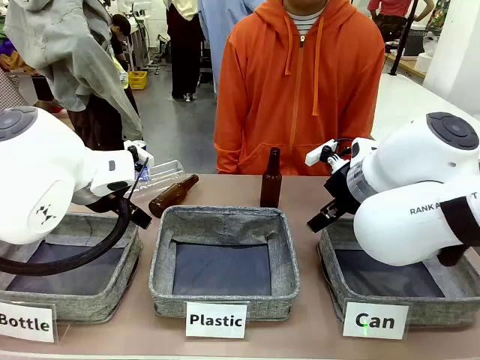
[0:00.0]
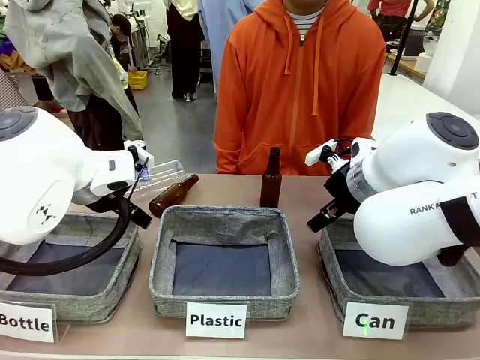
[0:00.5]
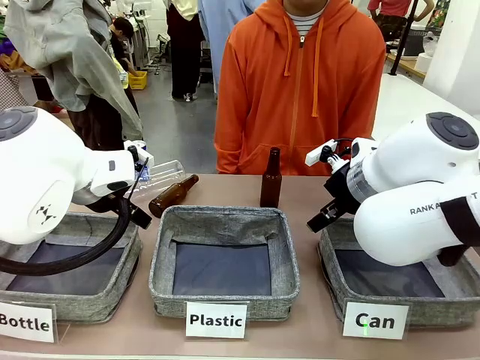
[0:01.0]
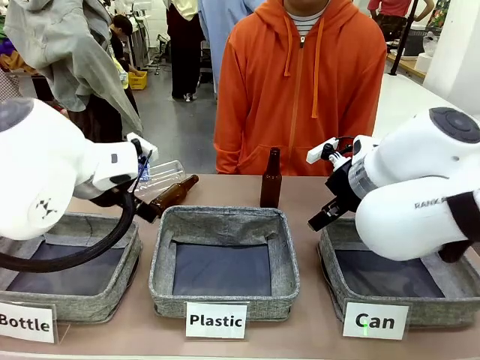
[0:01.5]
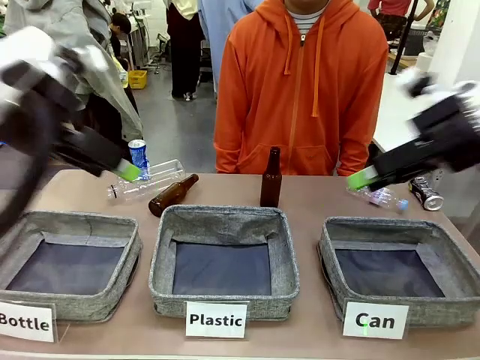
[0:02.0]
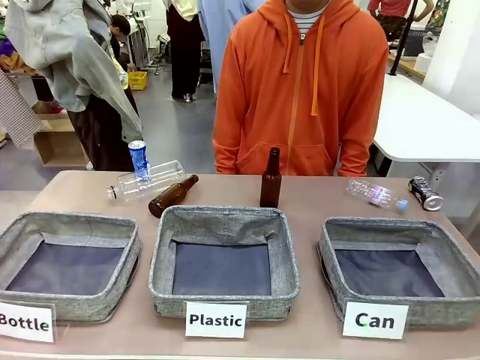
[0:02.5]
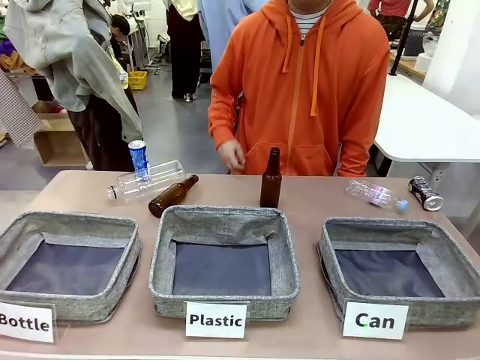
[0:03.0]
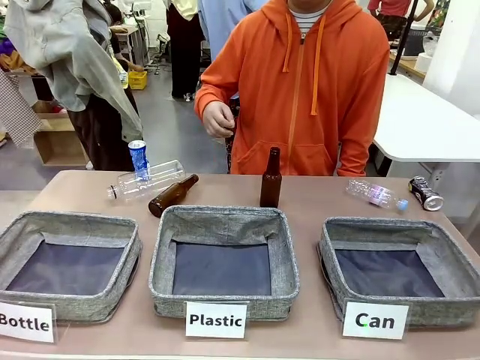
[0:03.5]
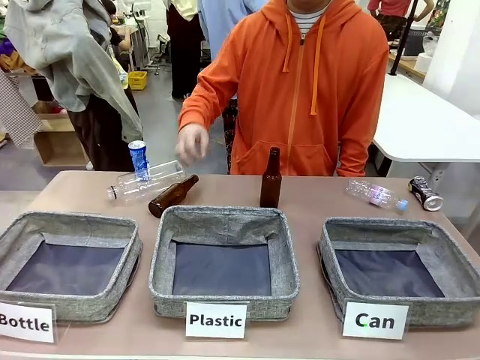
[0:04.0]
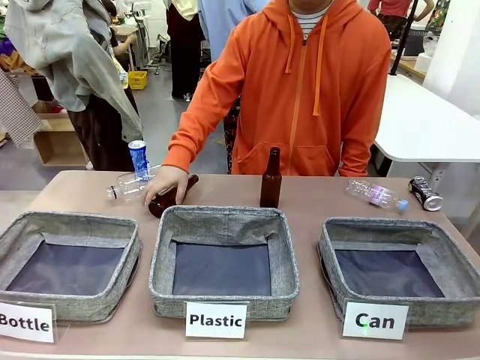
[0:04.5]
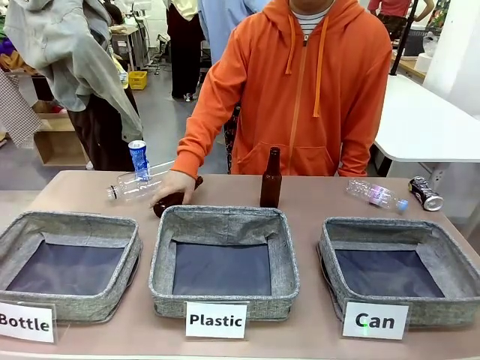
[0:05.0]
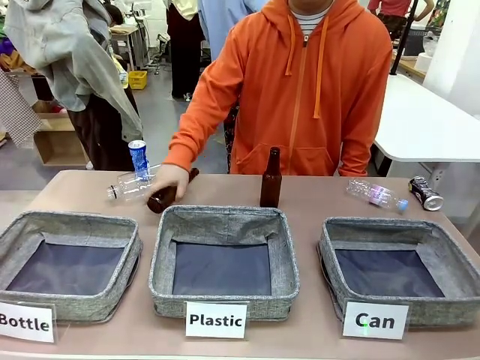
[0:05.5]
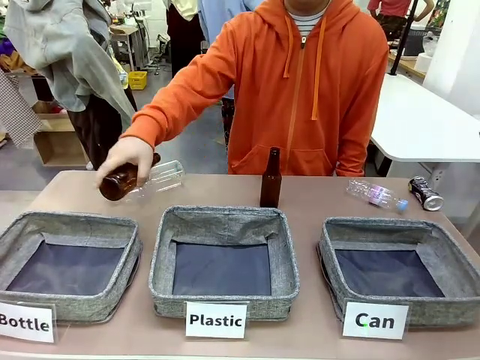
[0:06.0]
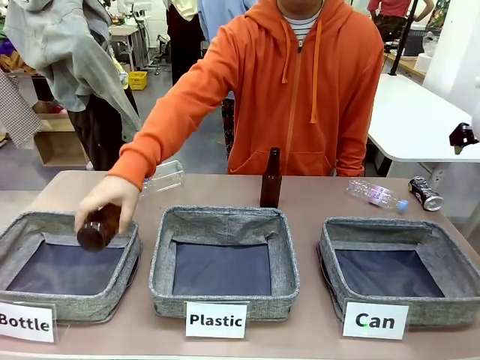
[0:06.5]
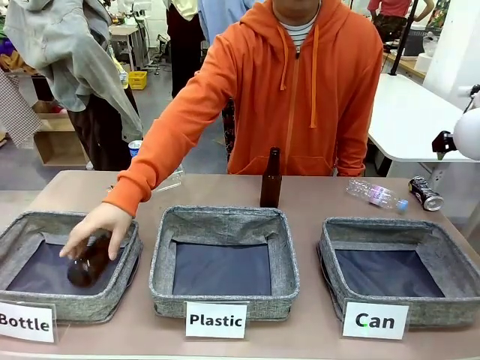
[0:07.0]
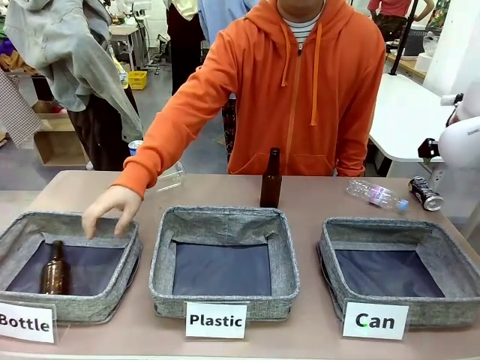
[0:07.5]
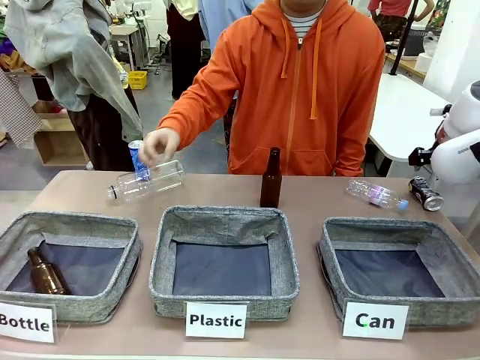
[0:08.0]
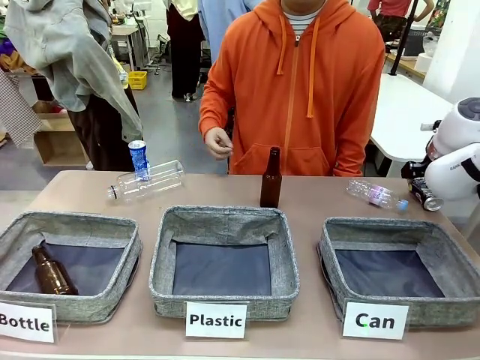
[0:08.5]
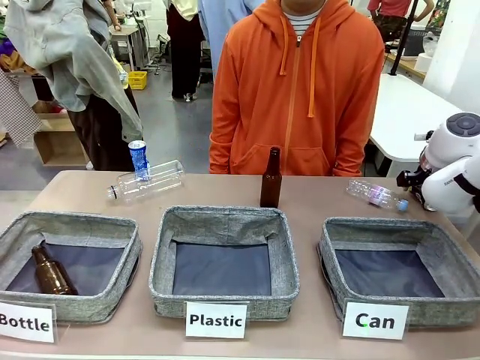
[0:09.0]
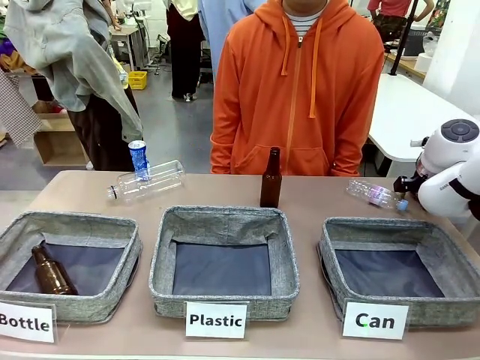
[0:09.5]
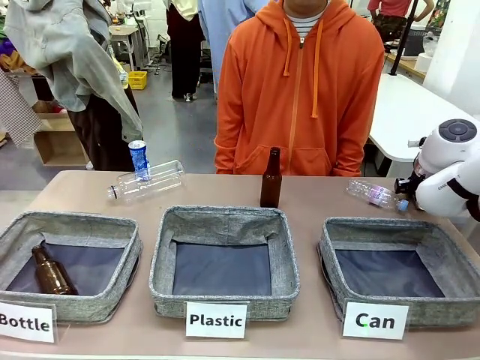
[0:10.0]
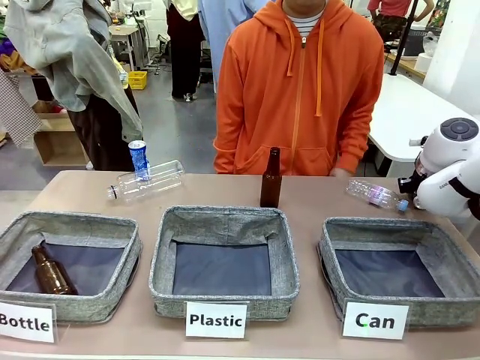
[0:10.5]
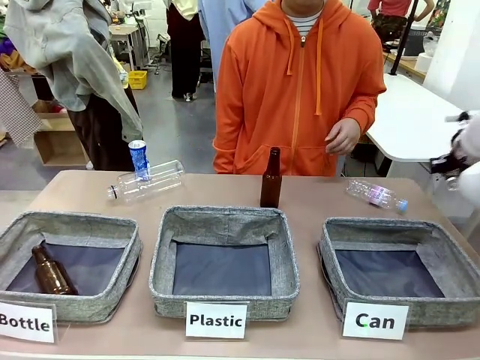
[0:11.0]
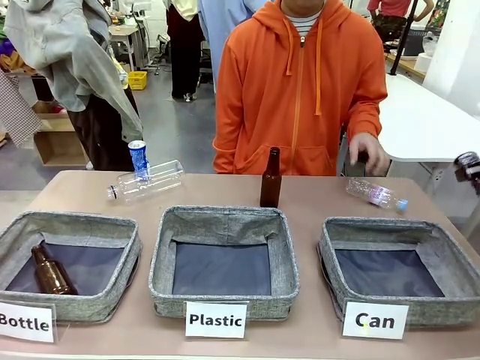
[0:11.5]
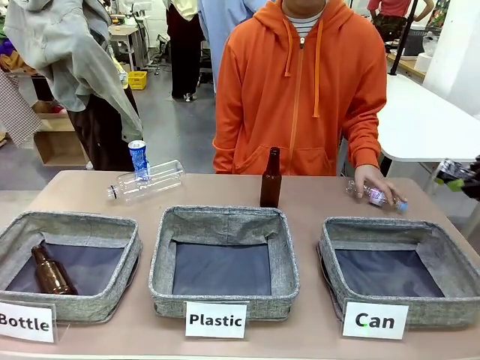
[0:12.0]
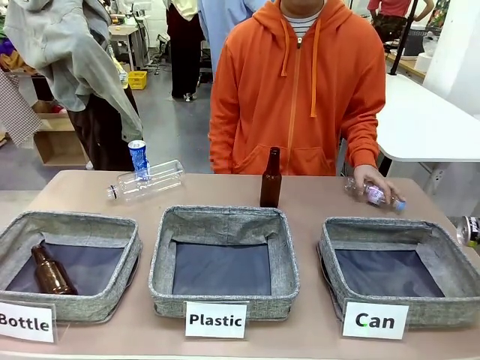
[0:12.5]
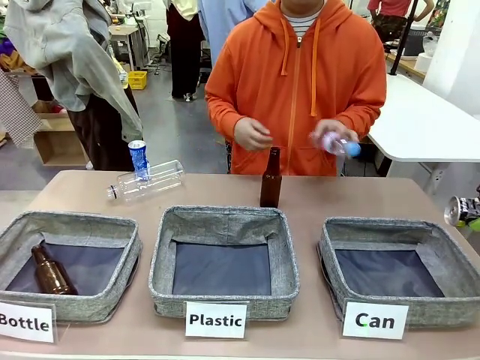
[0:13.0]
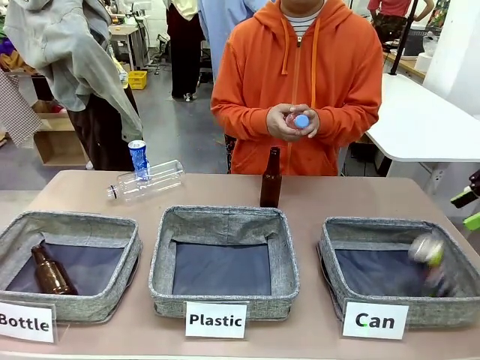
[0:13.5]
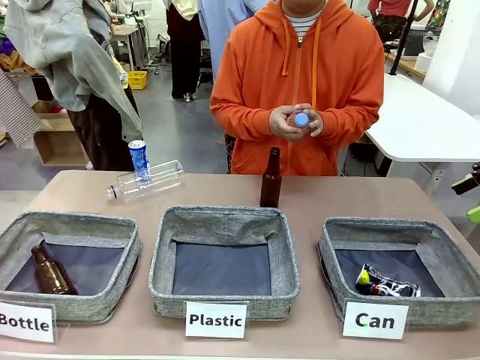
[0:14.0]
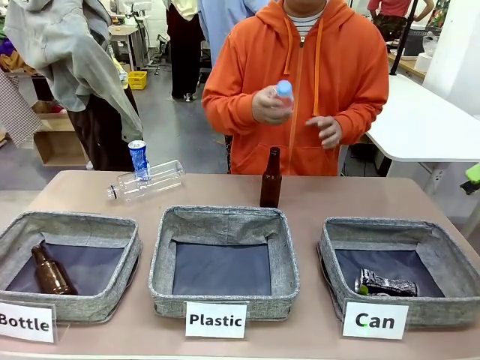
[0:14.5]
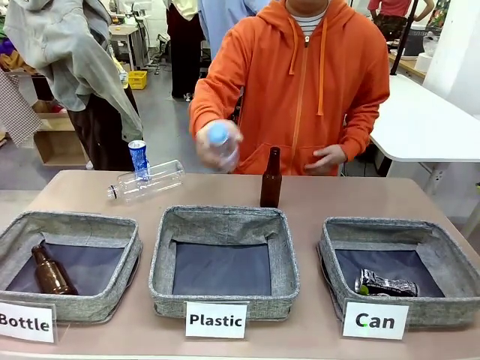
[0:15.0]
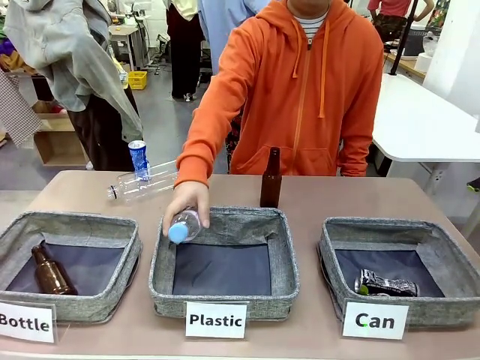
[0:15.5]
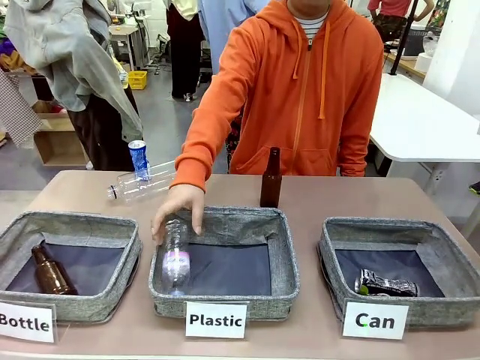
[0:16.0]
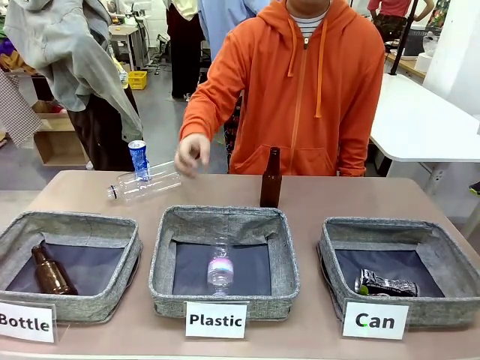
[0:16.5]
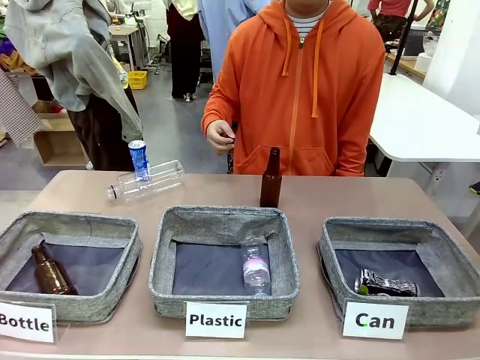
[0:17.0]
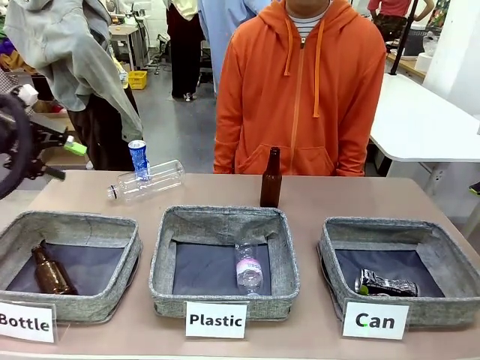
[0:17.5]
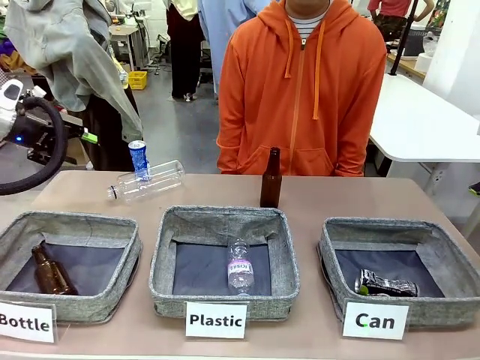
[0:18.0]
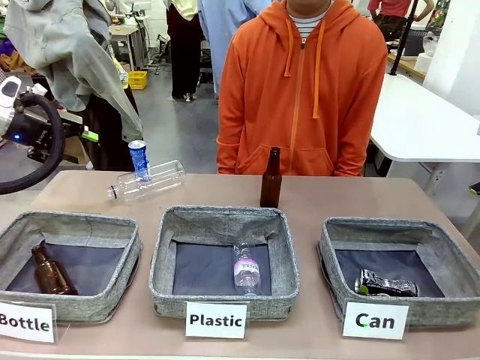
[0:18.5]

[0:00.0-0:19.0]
Task: Sort the can waste into the basket.
Robot: Pick up the can waste from the table and place it in the right Fabric basket.
